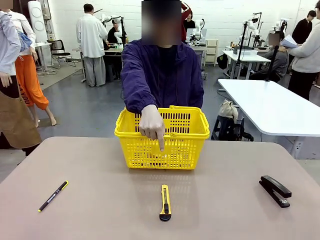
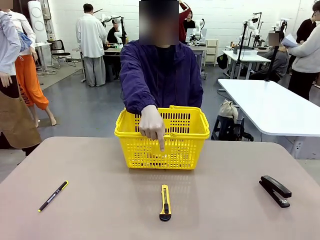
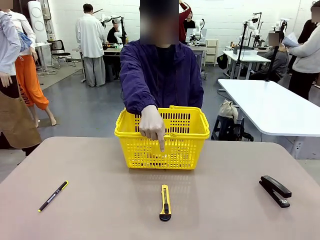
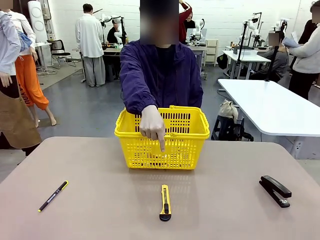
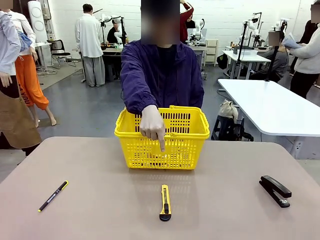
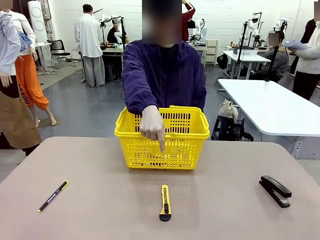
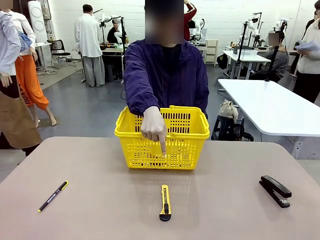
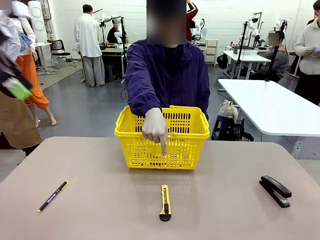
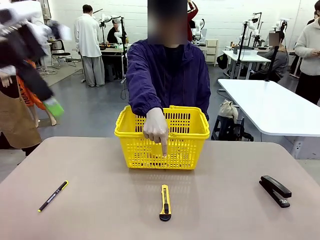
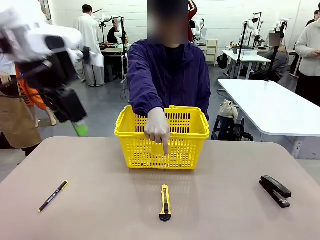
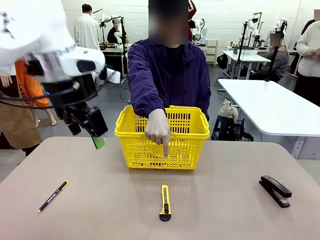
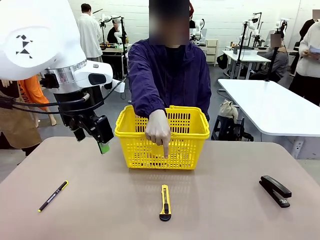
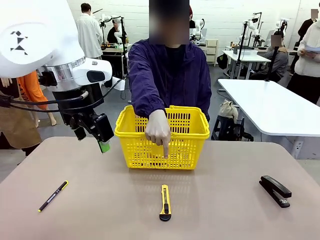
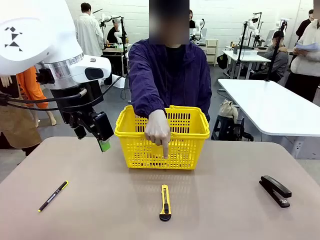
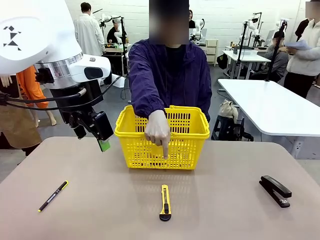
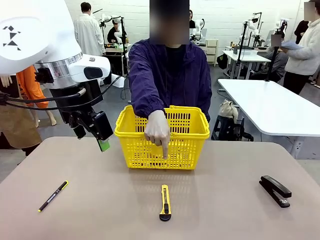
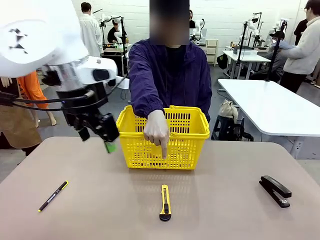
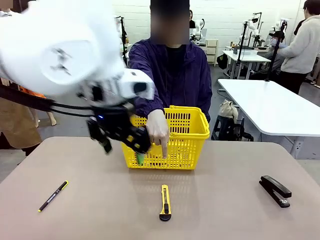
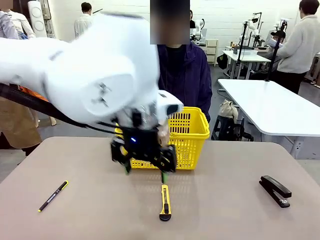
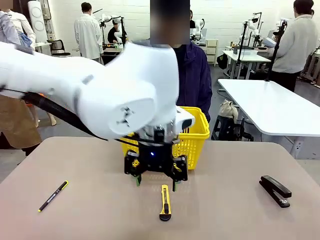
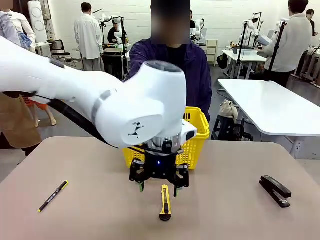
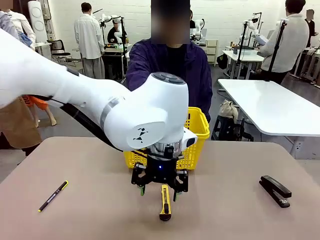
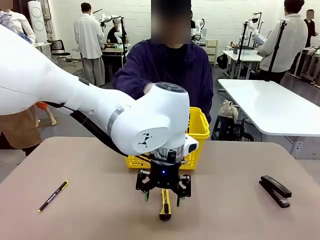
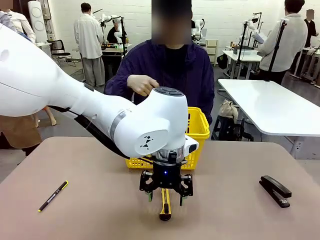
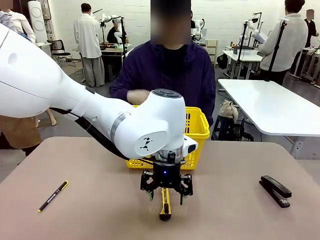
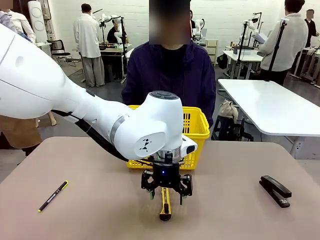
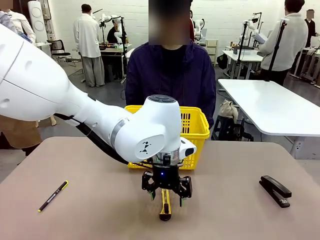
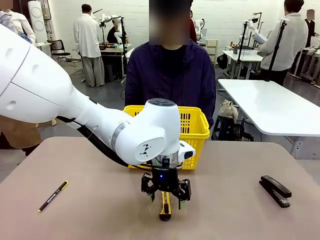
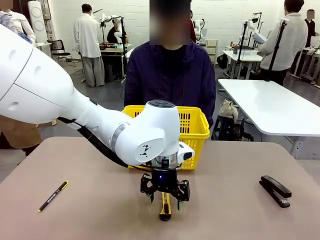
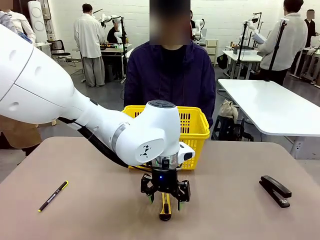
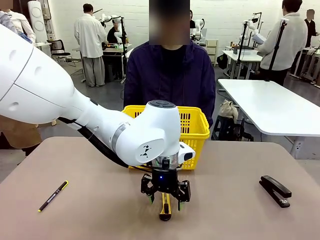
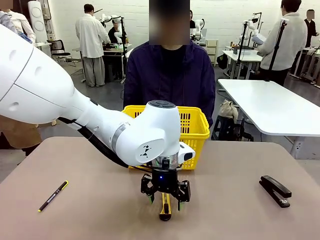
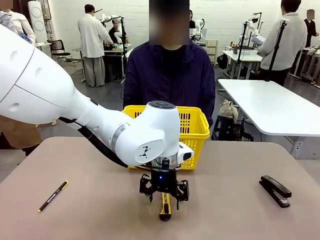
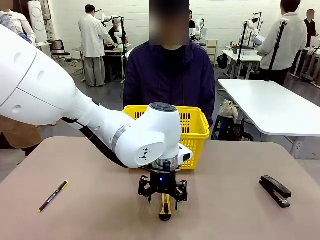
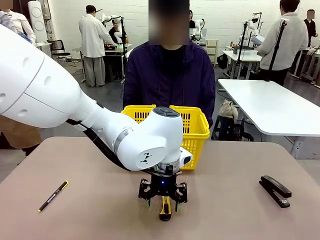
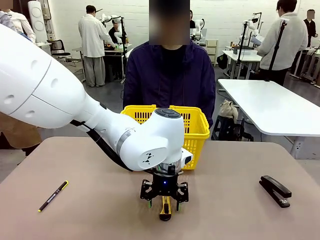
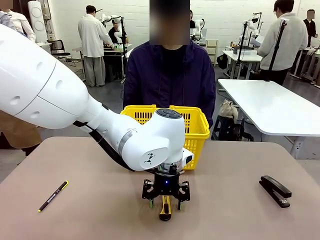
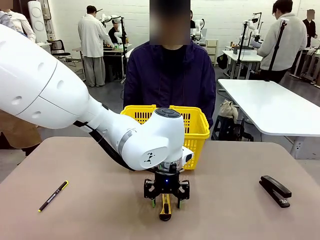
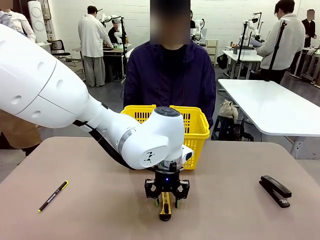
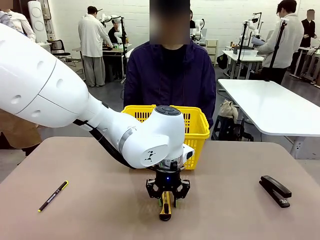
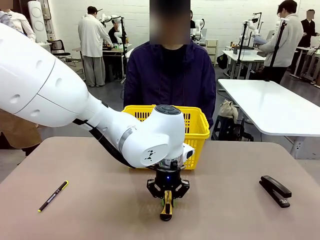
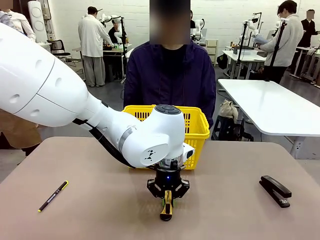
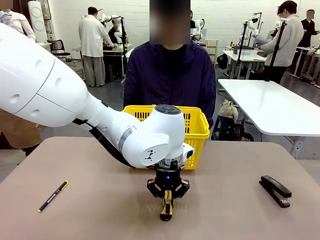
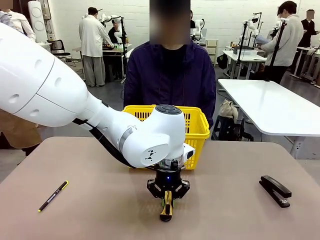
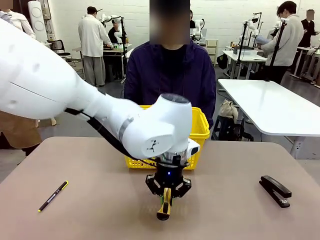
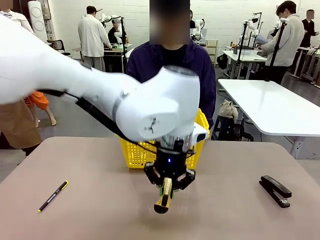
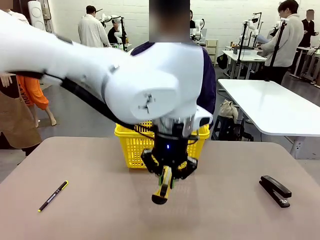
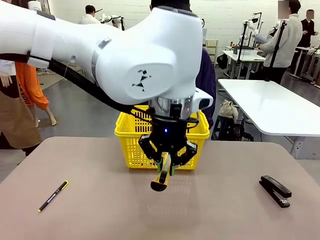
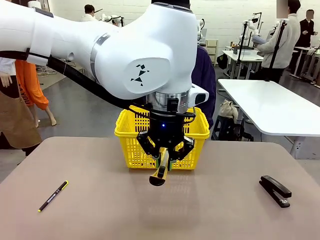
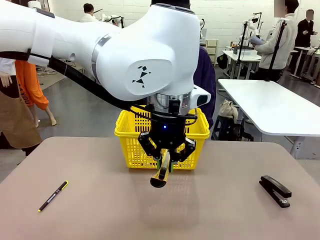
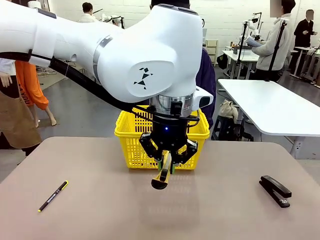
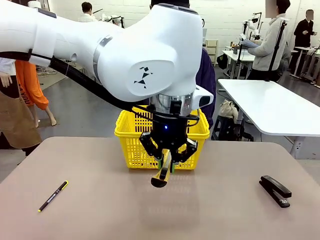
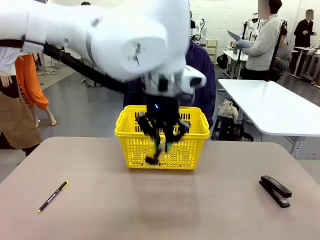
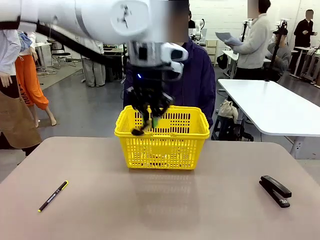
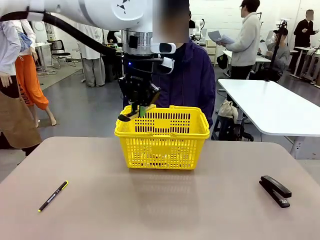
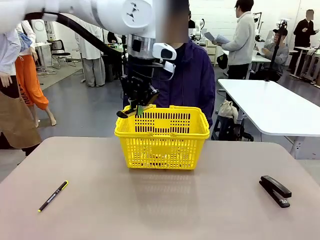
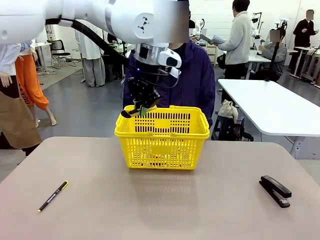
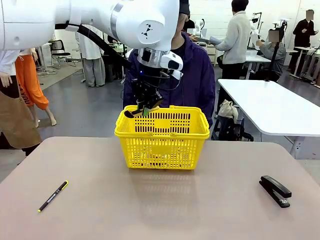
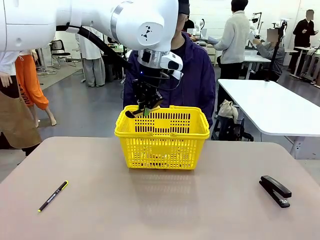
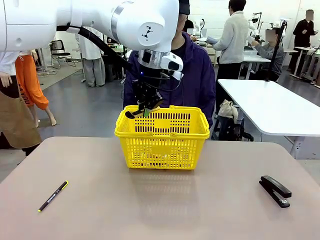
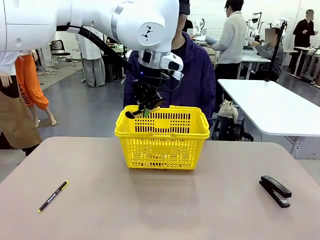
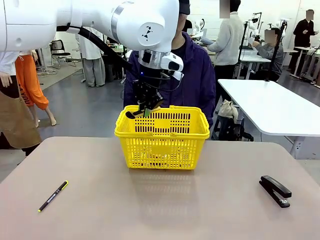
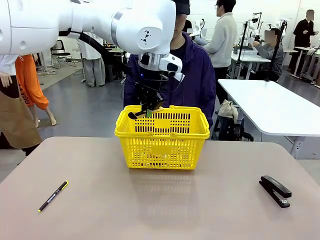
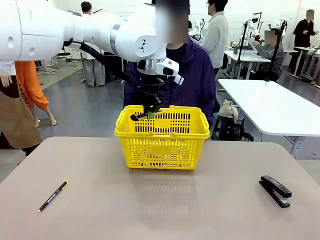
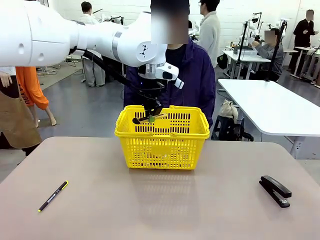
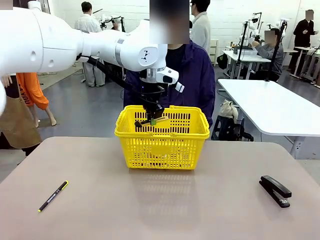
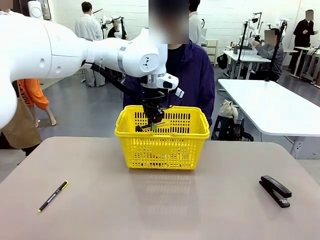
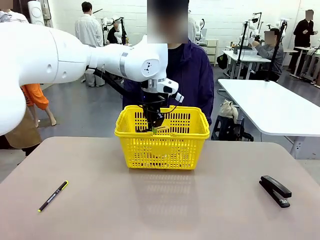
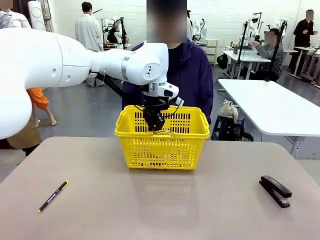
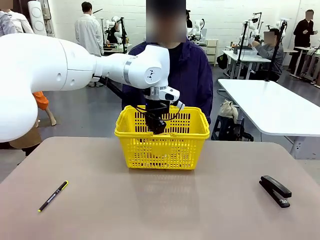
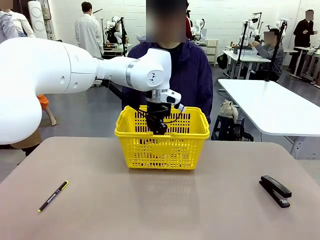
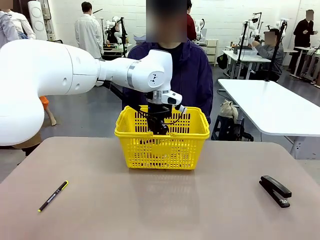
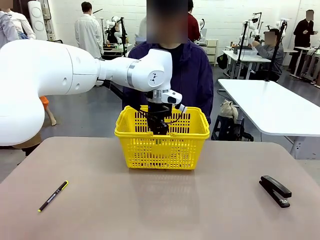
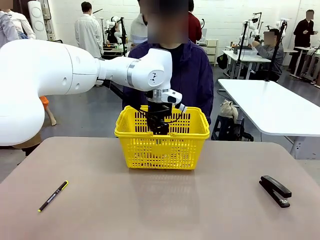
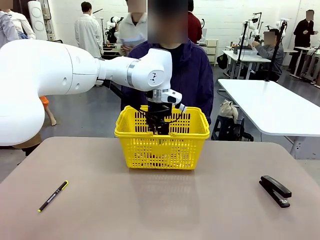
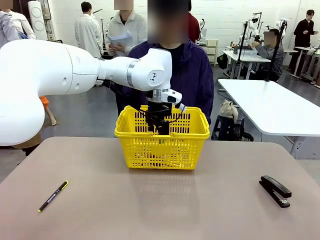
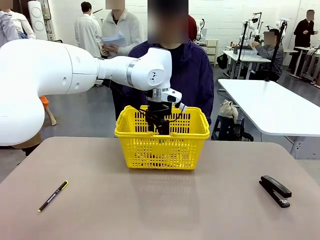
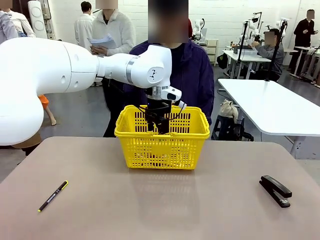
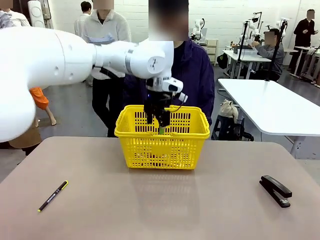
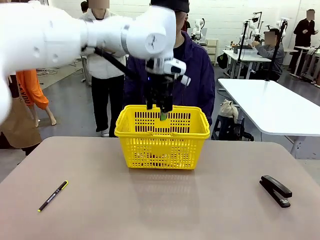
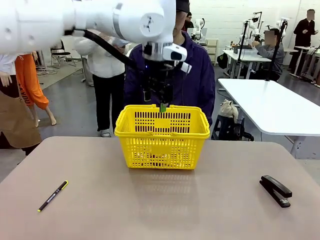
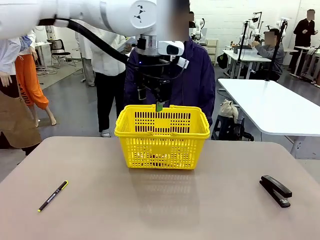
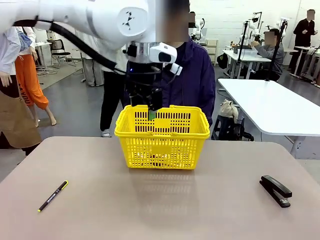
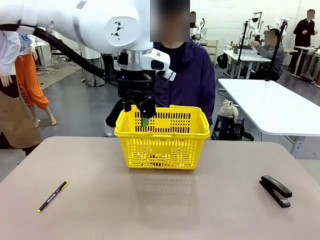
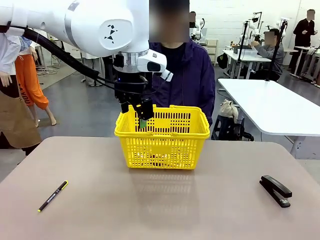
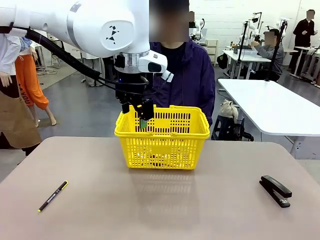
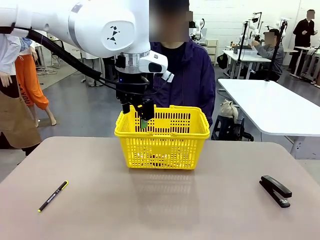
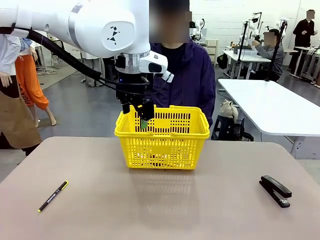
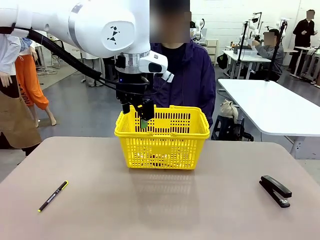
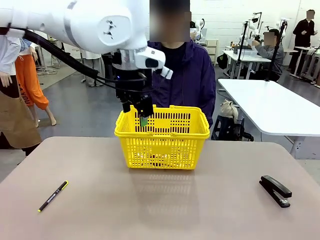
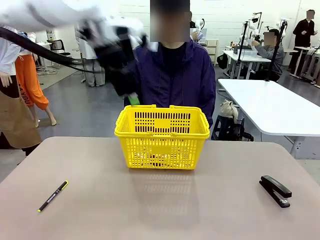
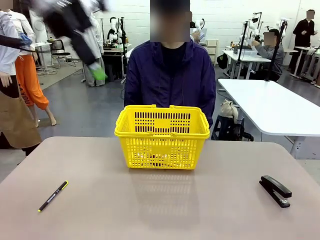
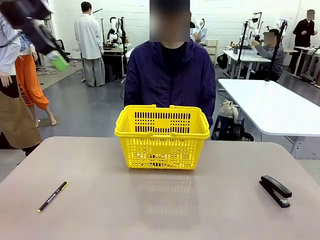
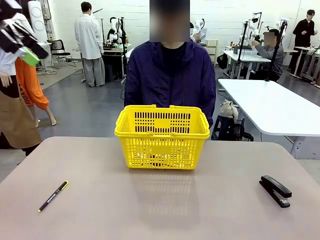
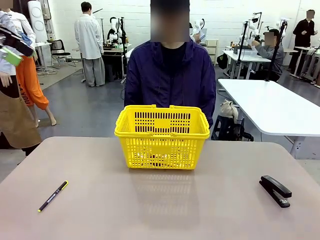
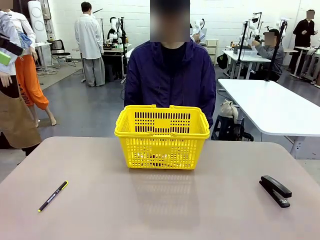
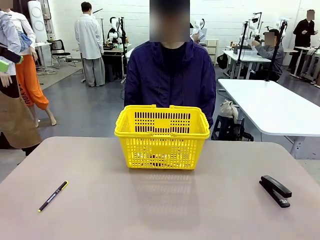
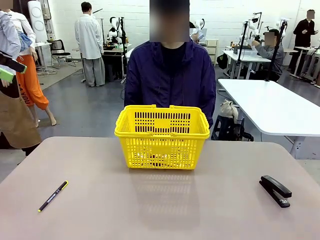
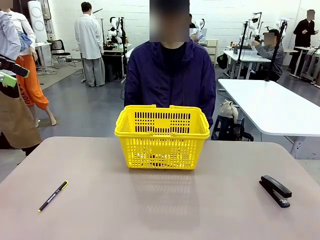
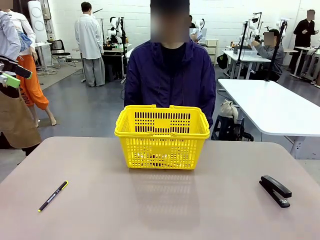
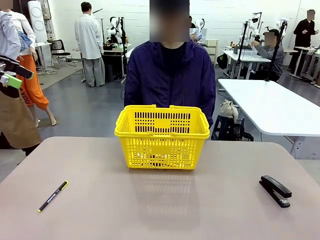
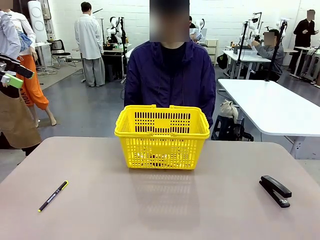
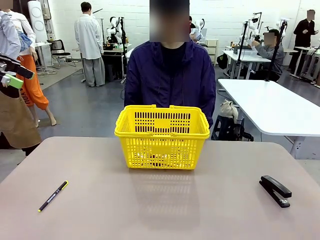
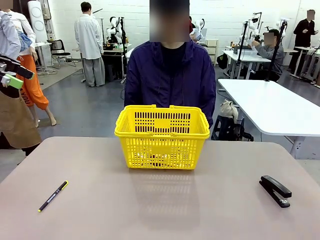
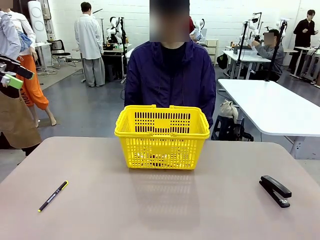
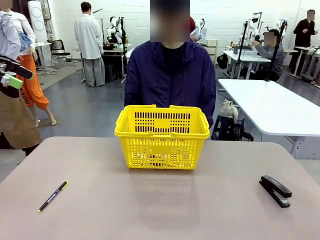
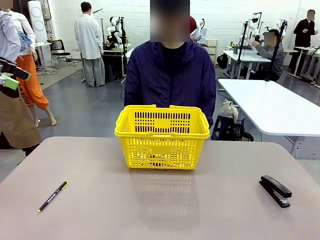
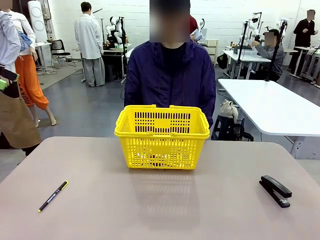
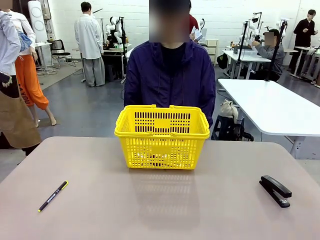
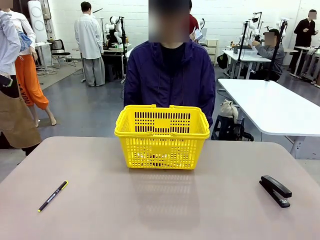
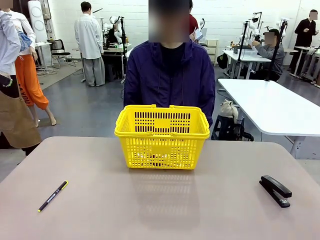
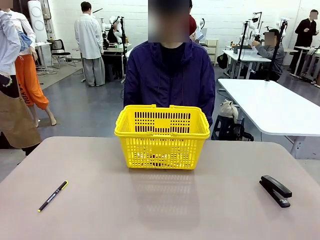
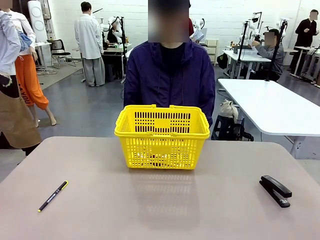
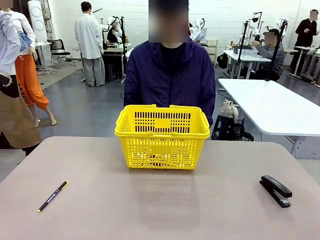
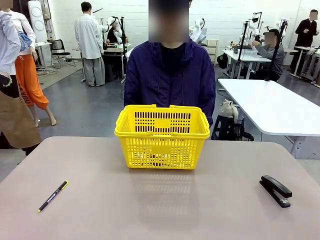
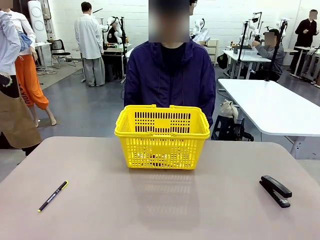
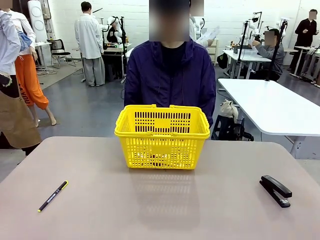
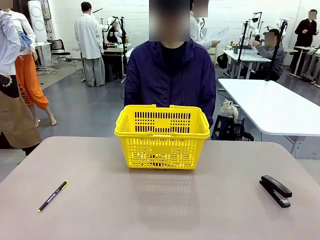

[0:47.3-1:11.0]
Task: Place the items the person wants into the basket.
Robot: Pick up the item the person points to and place it in the Market Basket.
